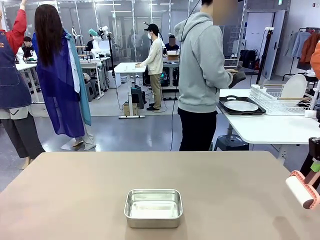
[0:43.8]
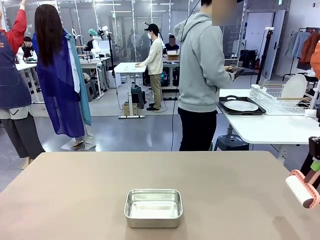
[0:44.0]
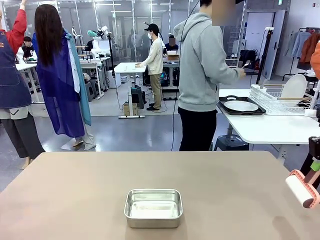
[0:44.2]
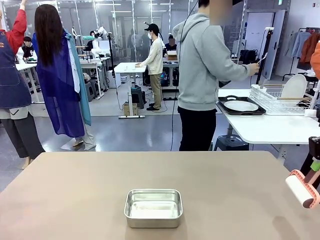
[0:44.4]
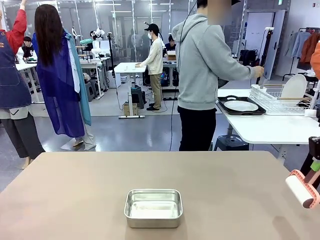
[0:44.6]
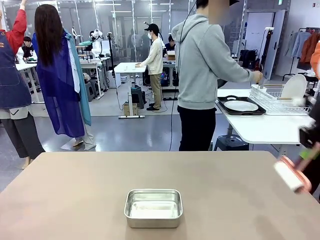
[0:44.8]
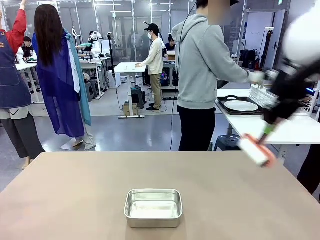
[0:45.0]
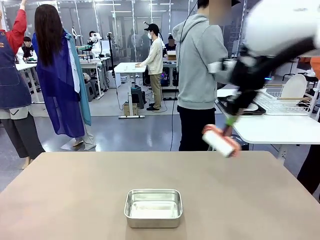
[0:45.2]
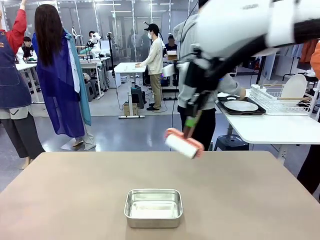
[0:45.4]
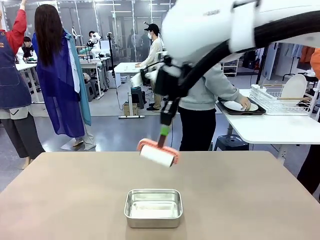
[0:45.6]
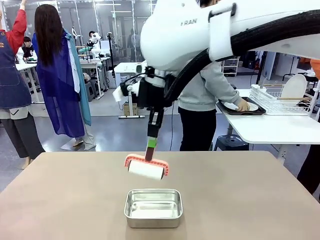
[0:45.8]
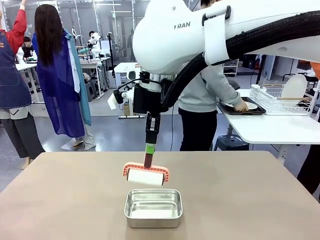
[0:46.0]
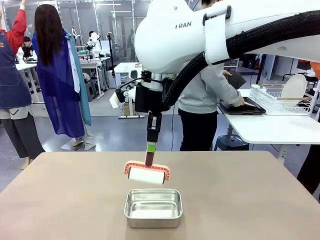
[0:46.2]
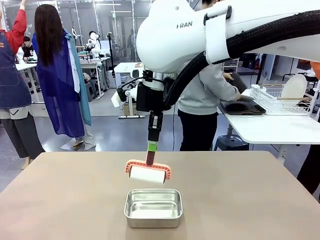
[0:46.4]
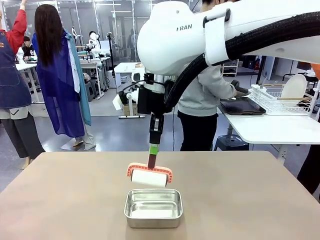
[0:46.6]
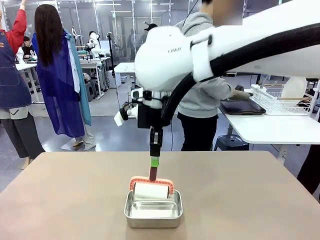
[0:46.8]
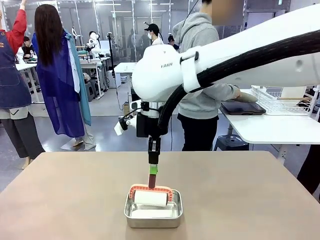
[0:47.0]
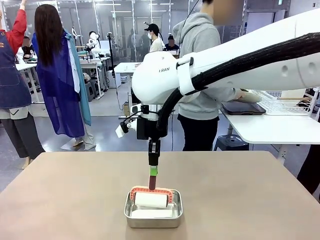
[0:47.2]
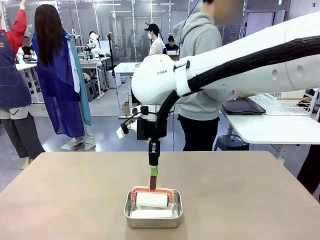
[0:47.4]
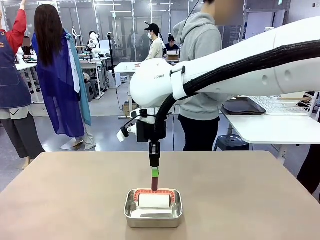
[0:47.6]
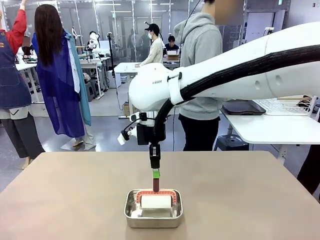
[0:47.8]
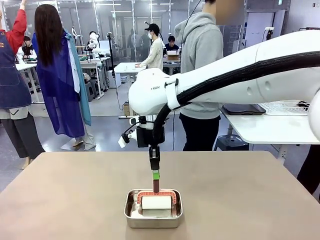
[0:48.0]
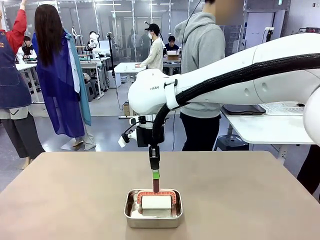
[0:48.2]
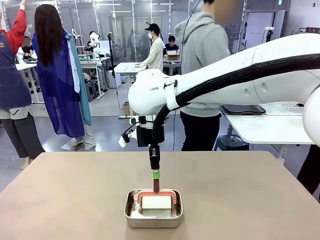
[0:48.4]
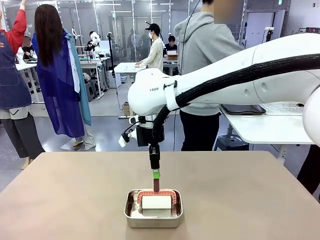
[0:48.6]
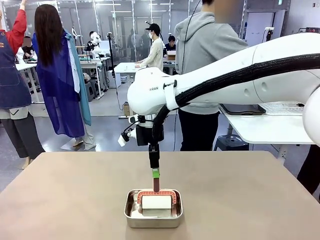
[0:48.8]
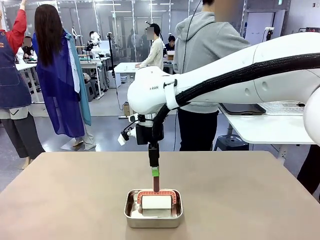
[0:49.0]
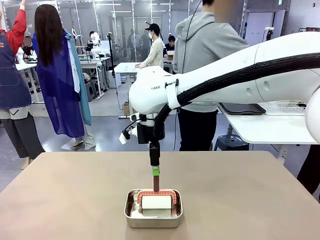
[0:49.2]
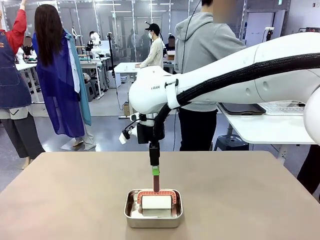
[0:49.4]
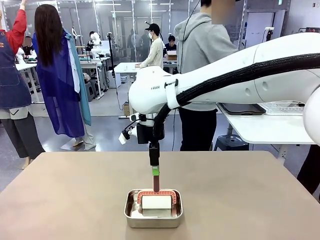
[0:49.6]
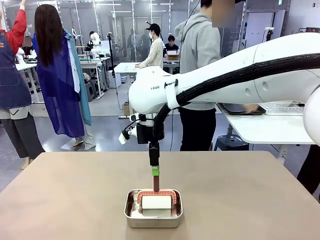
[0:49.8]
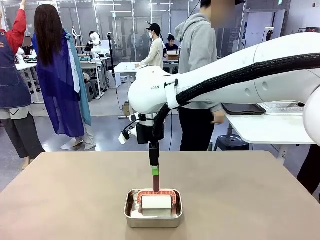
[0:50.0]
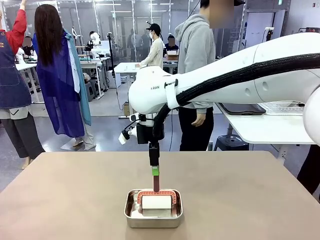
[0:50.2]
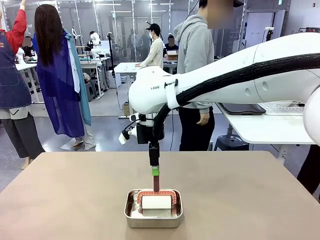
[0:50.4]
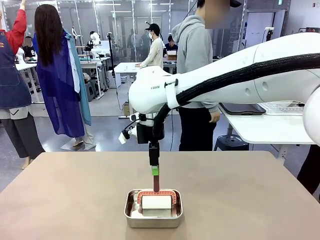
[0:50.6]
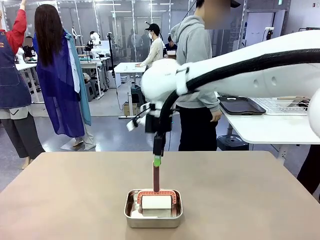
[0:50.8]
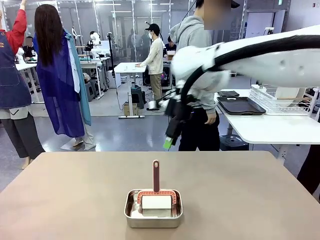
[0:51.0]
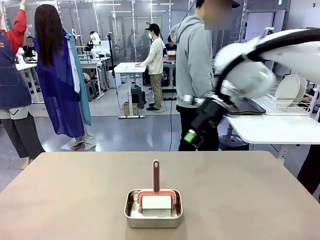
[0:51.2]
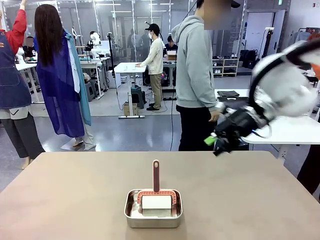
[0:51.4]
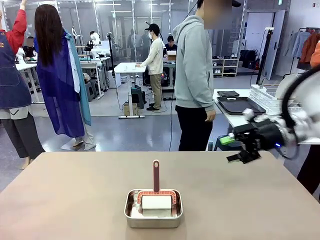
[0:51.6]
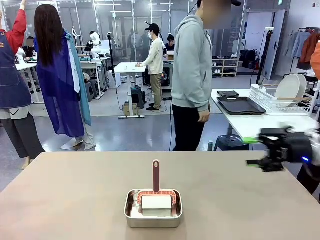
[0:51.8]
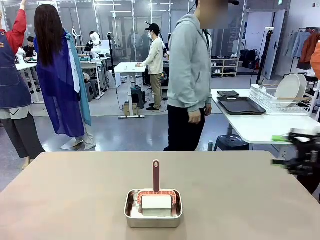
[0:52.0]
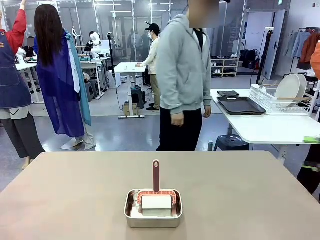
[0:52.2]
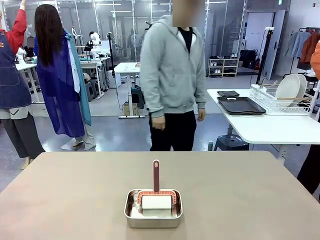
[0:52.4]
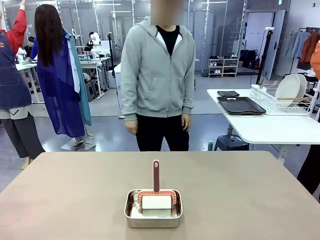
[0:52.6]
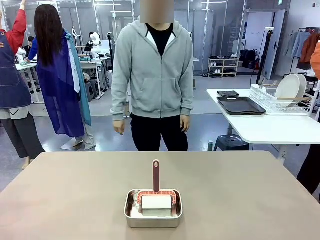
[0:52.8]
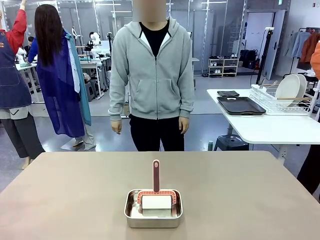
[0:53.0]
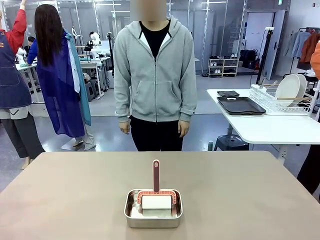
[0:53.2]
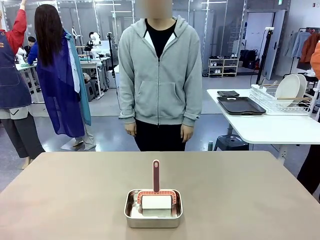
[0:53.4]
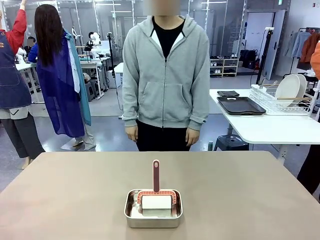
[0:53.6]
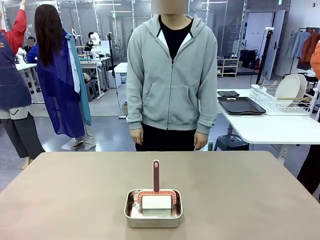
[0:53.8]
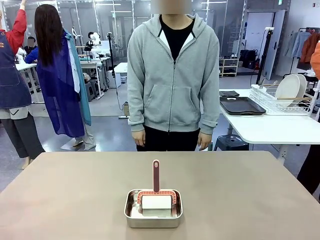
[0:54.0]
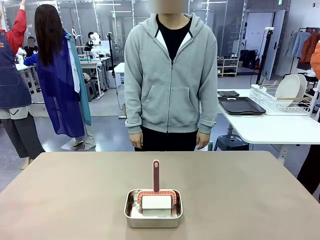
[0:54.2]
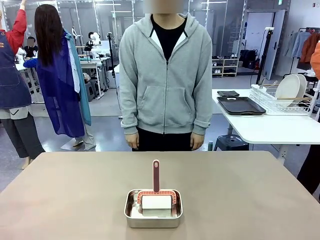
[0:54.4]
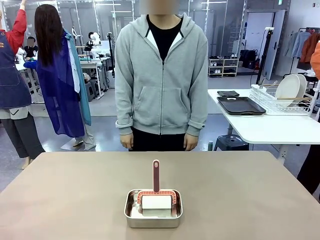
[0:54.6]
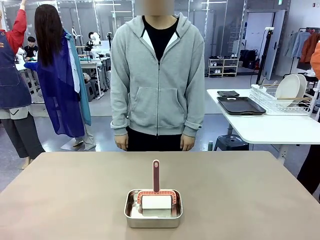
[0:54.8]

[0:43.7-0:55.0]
Robot: Place the Lint Roller back on top of the Airtight Container.
Person: Use the Towel with hook to wipe the Plastic Matte Plate , Fork , and Knife and place into the Dish drying rack.

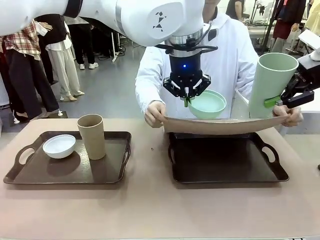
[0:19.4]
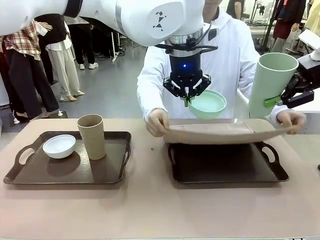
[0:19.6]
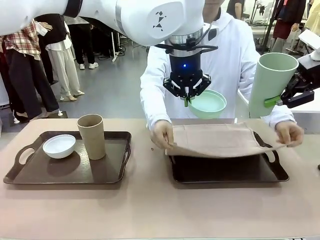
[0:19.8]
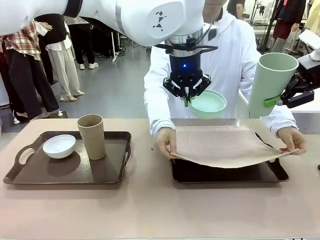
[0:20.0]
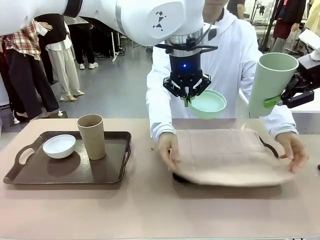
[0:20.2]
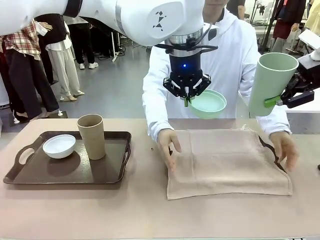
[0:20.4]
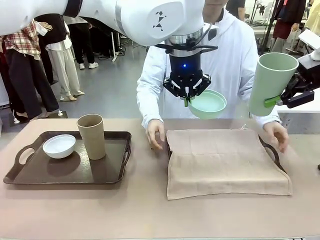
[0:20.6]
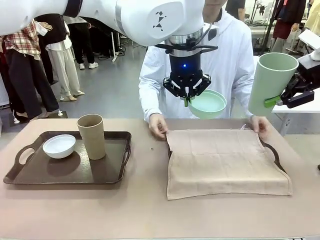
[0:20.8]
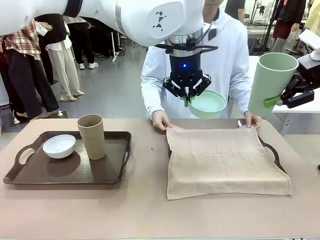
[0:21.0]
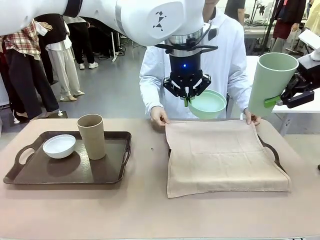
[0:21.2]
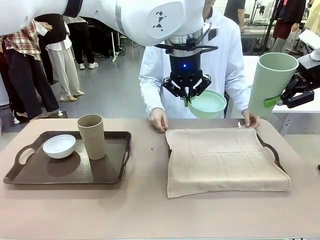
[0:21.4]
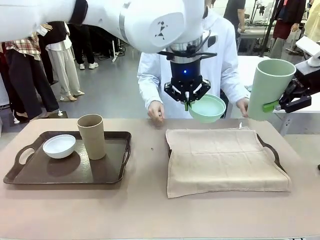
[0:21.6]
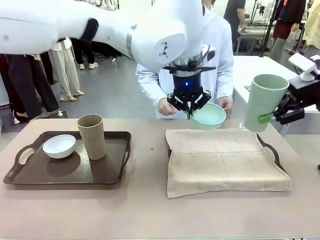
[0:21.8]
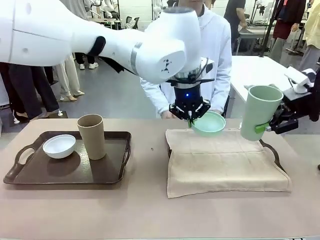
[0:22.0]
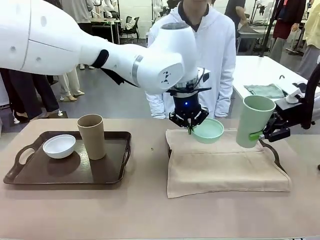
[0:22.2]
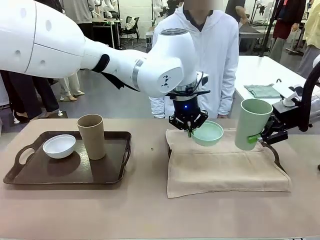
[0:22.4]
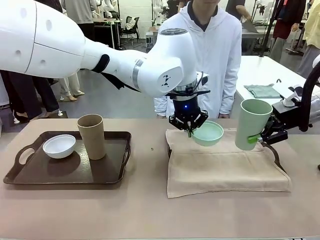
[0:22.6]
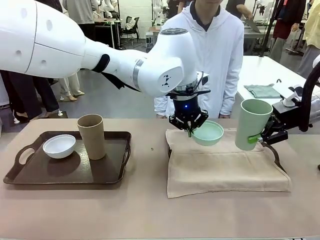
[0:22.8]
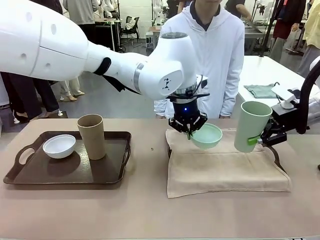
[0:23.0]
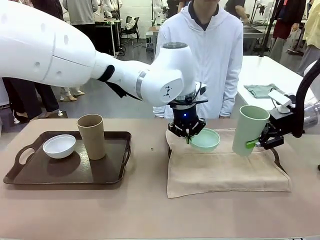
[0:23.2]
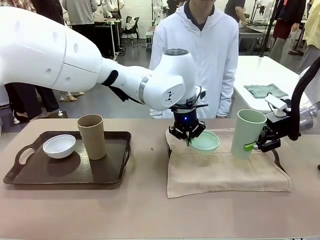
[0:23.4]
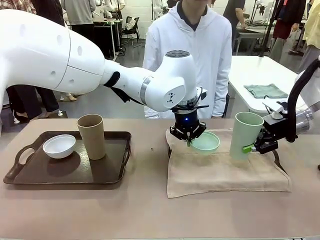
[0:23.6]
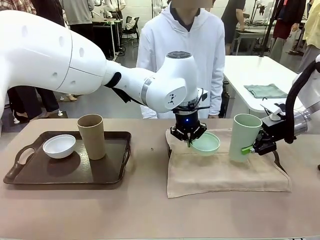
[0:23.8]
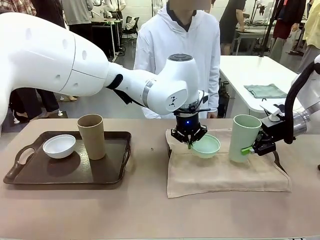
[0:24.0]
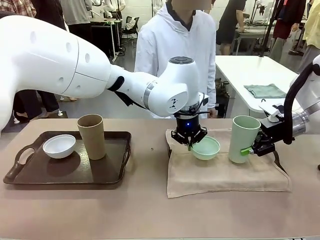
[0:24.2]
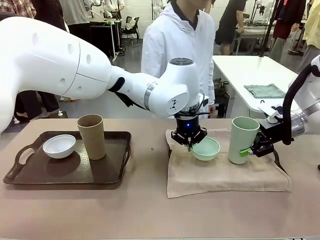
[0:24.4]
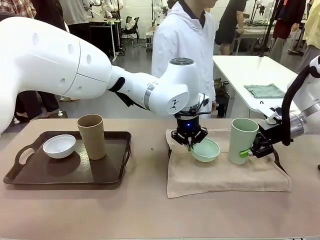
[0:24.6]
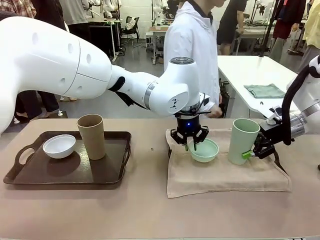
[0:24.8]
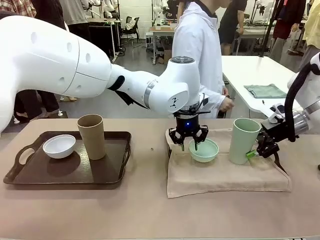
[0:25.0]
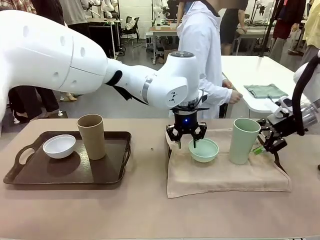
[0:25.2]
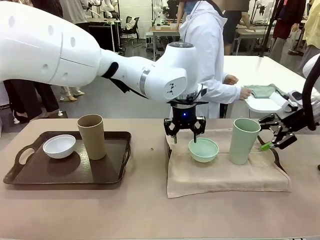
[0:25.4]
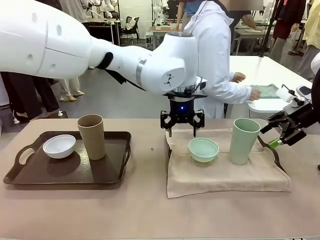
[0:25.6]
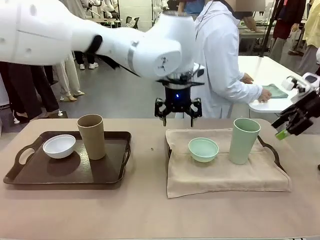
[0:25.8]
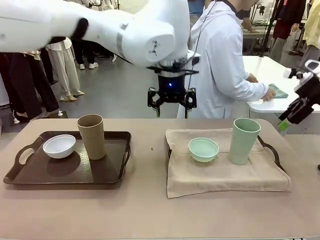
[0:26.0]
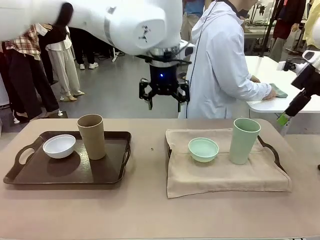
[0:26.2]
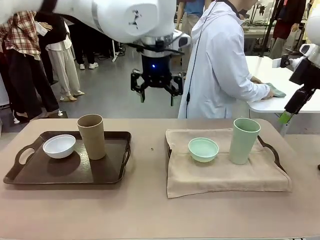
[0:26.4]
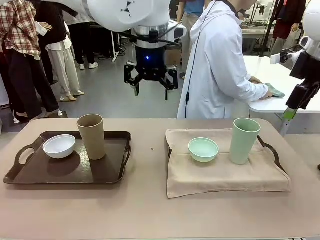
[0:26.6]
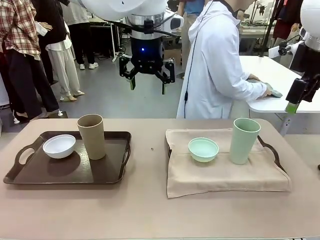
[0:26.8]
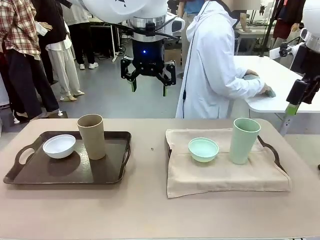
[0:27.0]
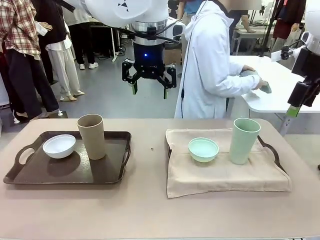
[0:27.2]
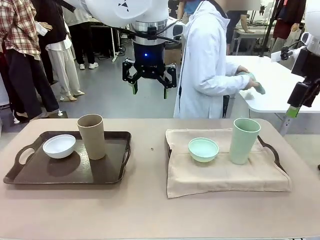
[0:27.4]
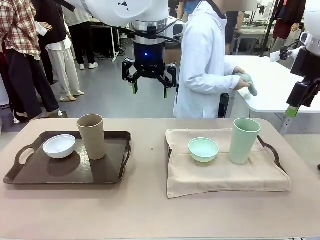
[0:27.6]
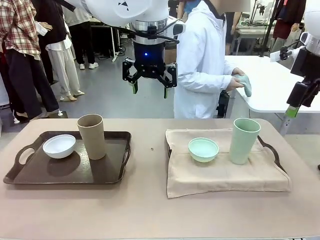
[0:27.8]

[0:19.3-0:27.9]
Robot: Place the Picnic Bowl and Reusable plastic cup back onto the Handle tray in front of the human's position.
Person: The human returns to the human table to pick up another napkin and walks to the robot table to stand in front of the tray without a napkin.
